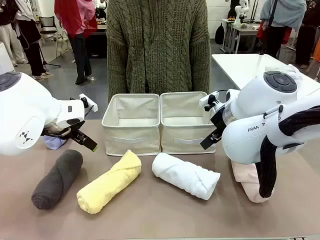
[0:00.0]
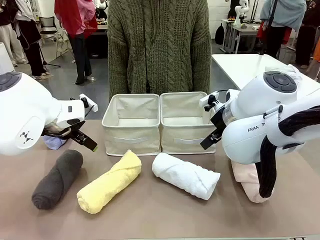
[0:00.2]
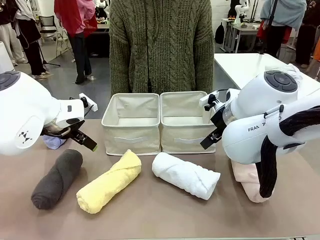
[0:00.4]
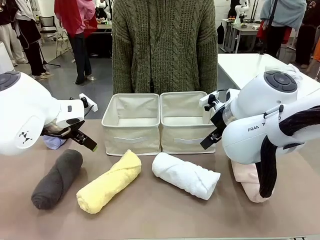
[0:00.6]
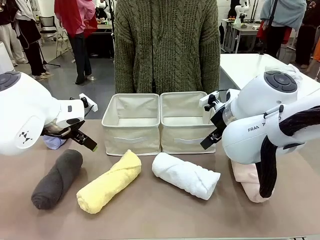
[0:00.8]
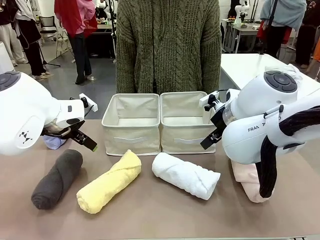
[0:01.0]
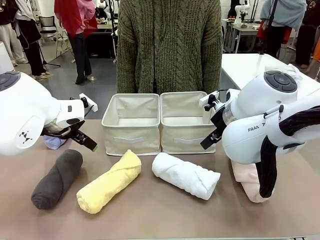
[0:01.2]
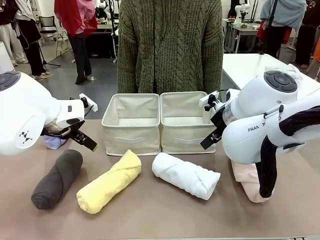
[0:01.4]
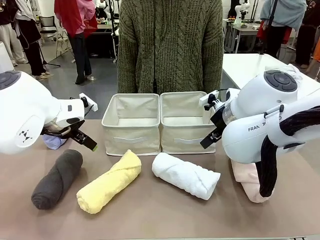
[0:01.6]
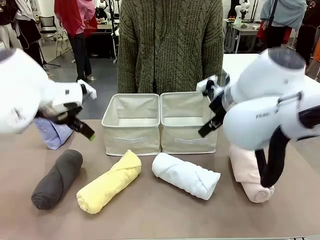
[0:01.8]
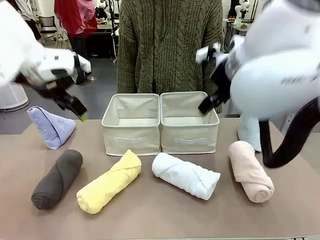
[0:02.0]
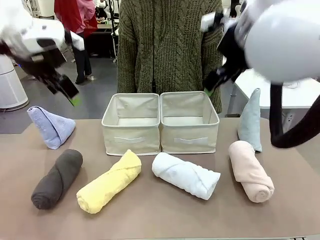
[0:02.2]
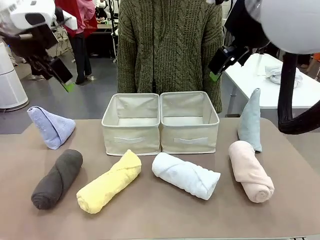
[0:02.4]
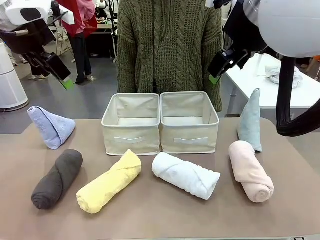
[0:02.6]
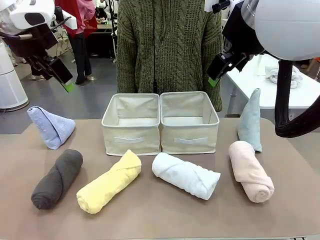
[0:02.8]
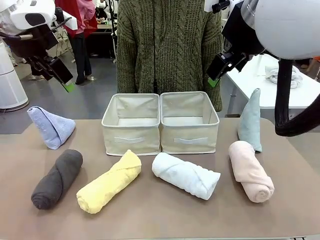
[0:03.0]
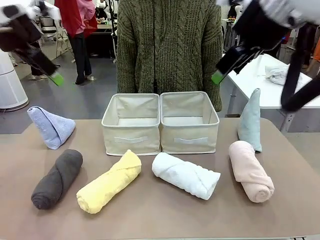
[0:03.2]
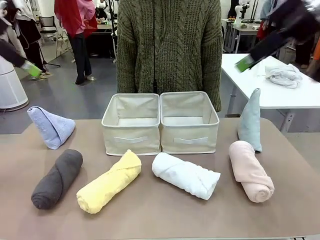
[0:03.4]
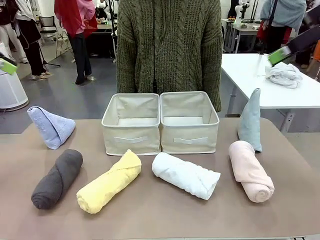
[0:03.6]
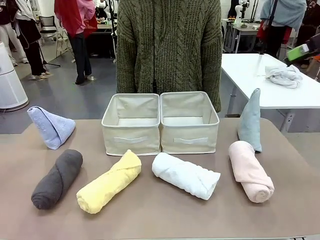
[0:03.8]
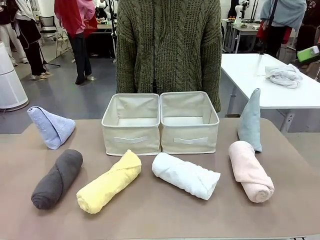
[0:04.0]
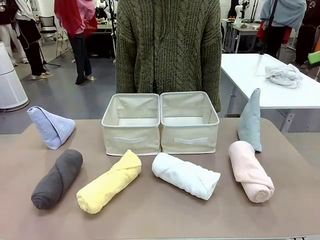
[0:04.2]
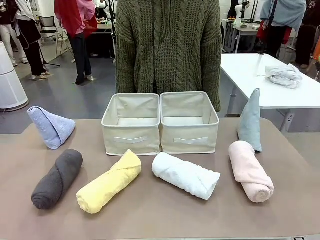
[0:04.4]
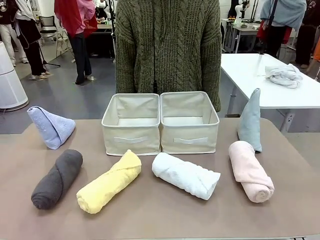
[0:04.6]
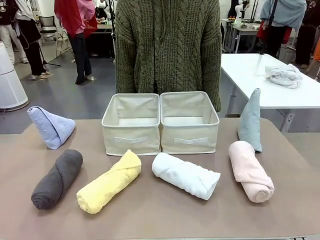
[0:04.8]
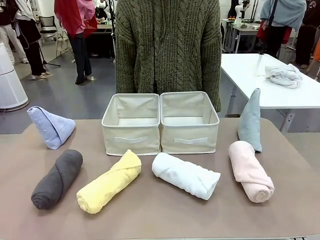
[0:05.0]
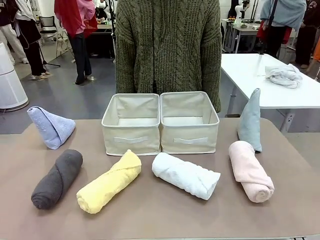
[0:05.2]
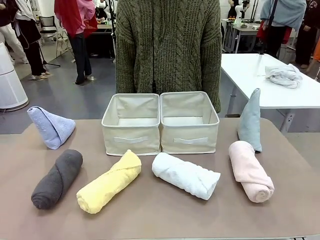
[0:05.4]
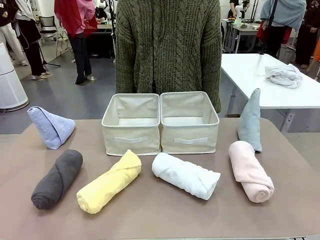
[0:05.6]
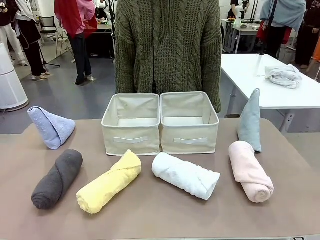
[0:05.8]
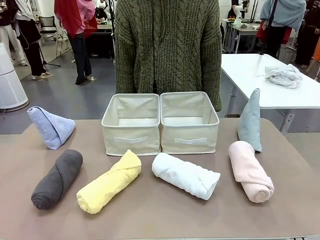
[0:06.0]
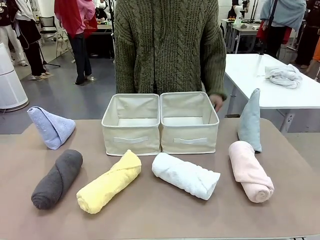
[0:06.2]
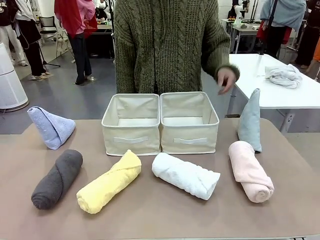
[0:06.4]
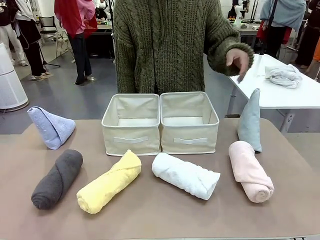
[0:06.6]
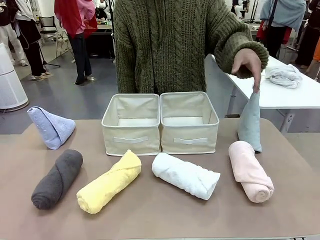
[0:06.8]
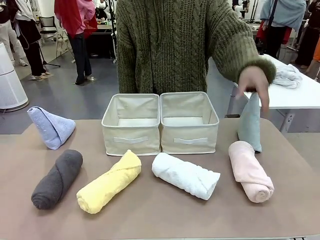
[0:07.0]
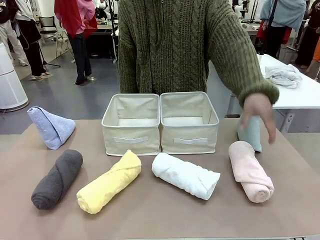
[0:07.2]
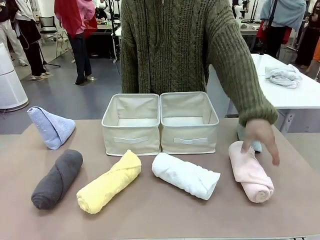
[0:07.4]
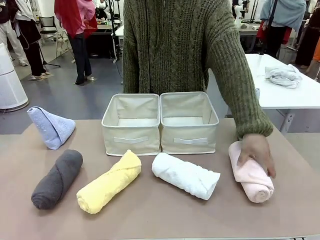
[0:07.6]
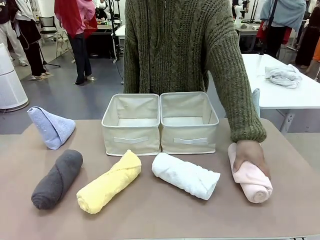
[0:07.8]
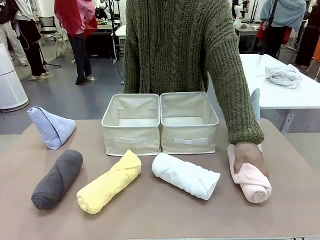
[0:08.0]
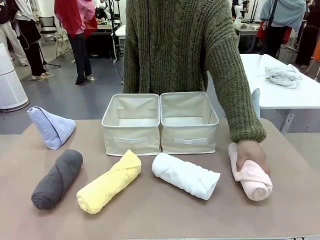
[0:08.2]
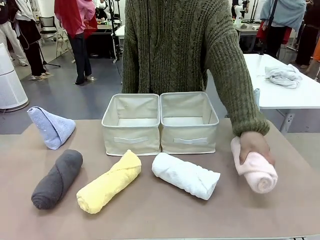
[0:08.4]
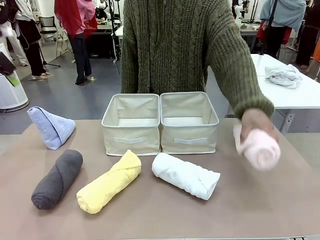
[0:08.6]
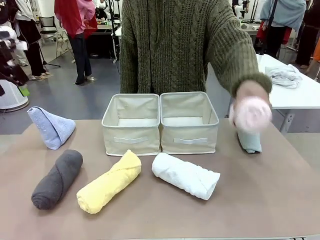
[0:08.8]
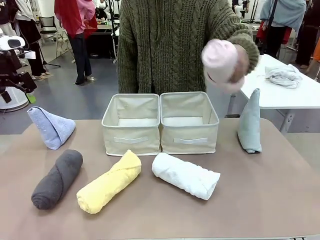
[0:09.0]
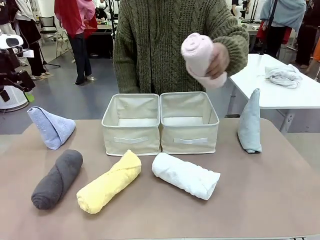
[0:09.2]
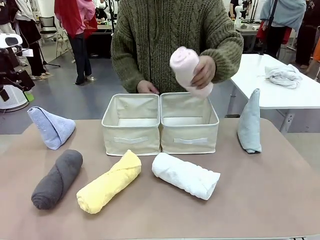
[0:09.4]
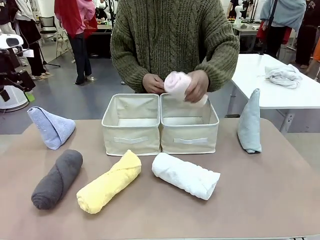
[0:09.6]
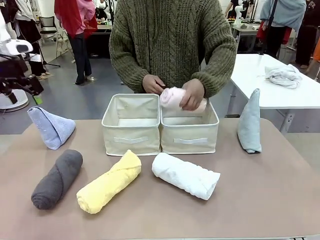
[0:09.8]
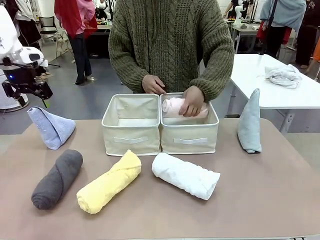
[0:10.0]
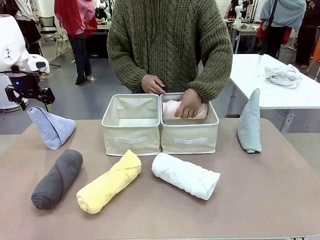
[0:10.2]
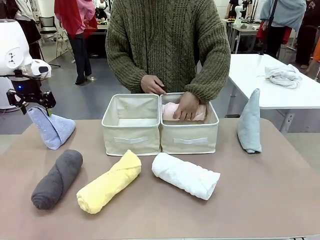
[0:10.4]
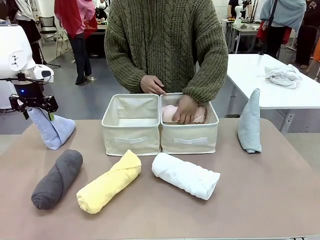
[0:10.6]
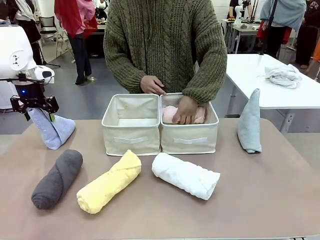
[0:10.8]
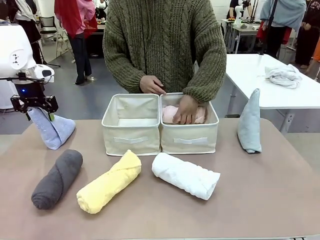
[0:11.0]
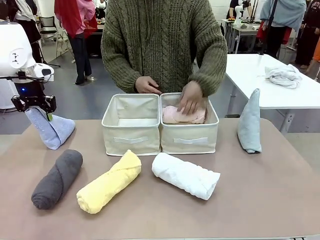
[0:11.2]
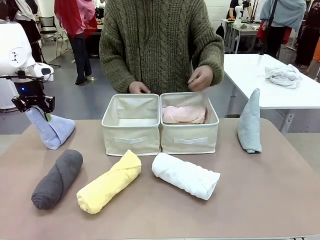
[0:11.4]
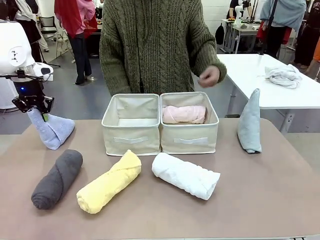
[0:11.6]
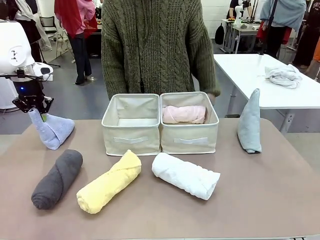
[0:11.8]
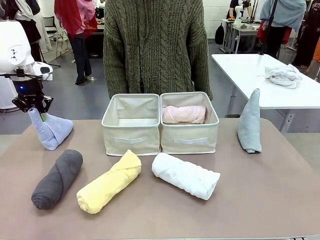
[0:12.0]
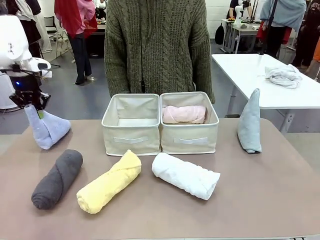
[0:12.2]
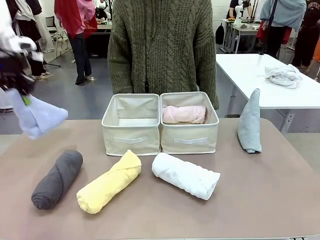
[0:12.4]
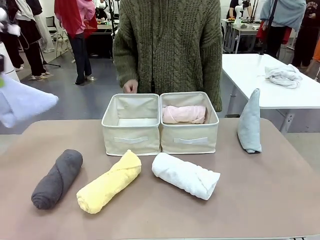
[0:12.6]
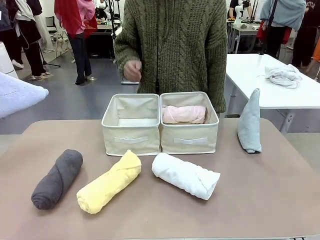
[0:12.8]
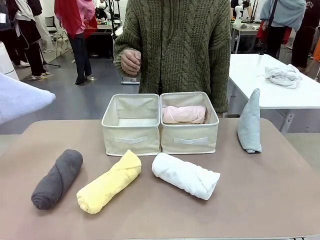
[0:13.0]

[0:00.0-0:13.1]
Task: Sort the towels based on their folding style.
Robot: Pick up one triangle-folded towel and place it in the left Fabric basket.
Person: Pick up one hotel-style rolled towel and place it in the left fabric basket.
